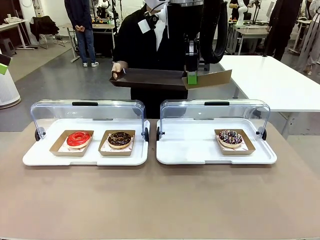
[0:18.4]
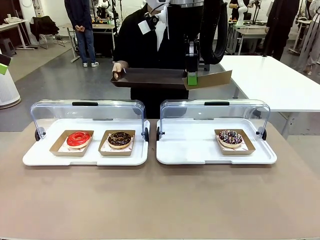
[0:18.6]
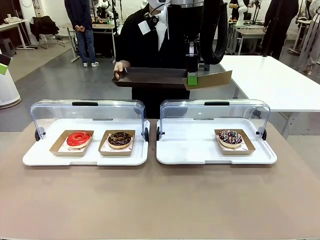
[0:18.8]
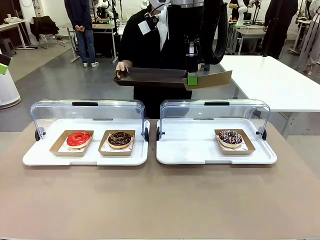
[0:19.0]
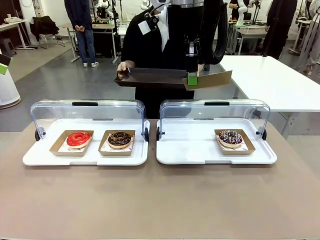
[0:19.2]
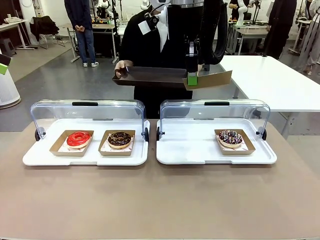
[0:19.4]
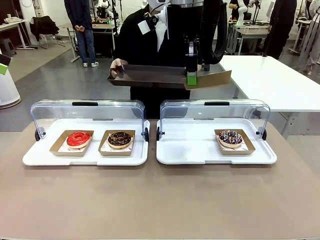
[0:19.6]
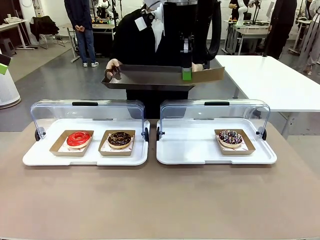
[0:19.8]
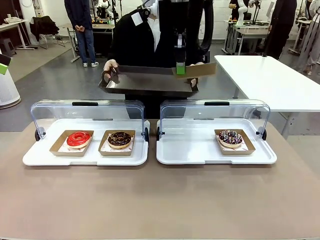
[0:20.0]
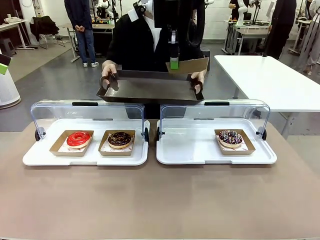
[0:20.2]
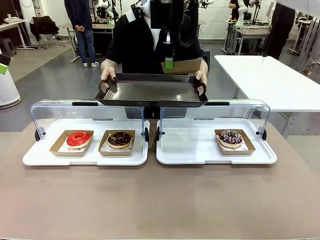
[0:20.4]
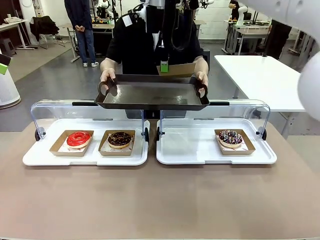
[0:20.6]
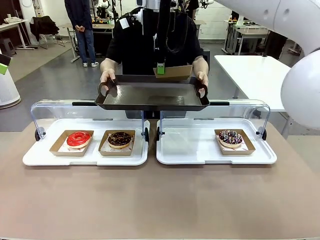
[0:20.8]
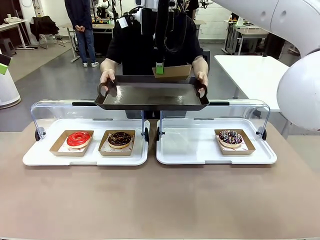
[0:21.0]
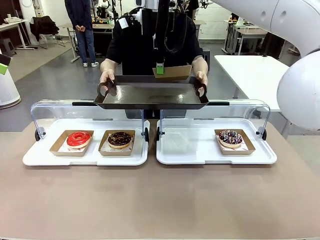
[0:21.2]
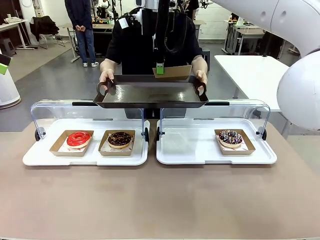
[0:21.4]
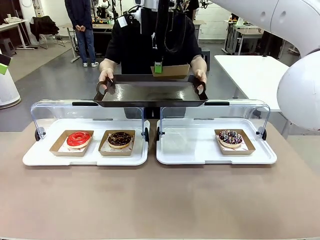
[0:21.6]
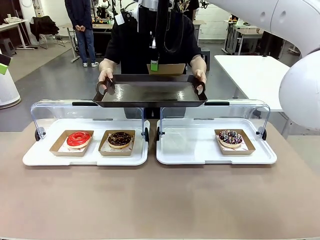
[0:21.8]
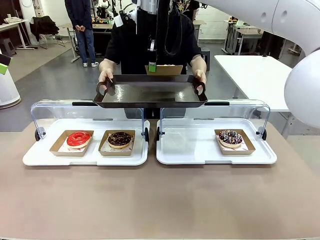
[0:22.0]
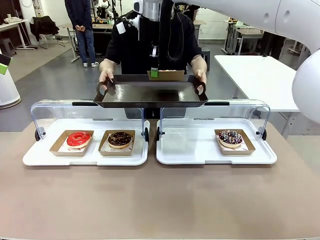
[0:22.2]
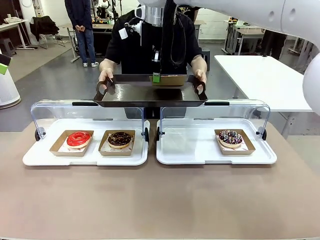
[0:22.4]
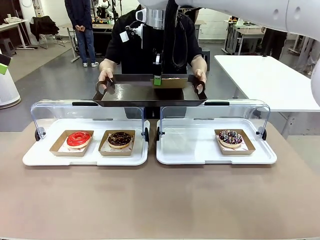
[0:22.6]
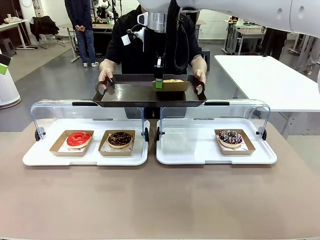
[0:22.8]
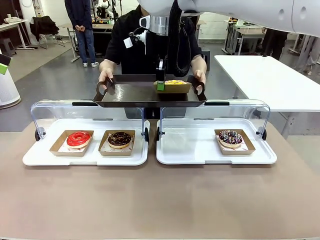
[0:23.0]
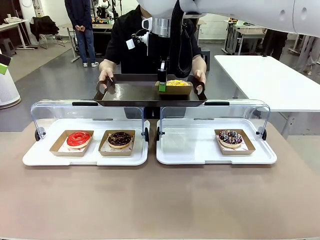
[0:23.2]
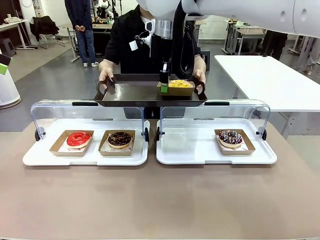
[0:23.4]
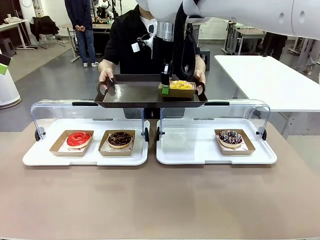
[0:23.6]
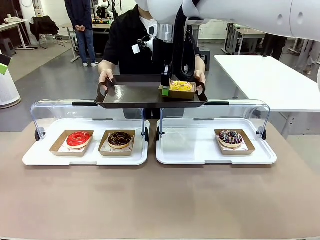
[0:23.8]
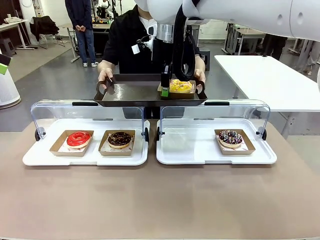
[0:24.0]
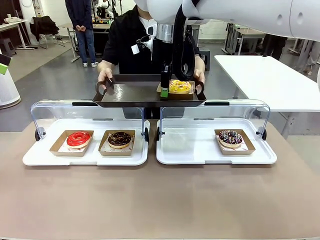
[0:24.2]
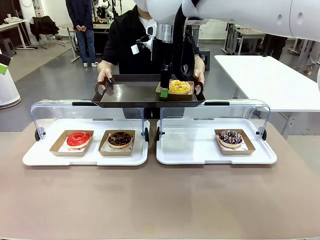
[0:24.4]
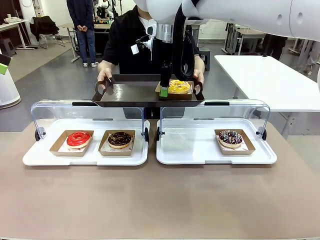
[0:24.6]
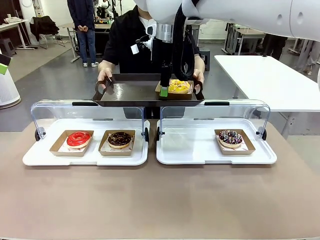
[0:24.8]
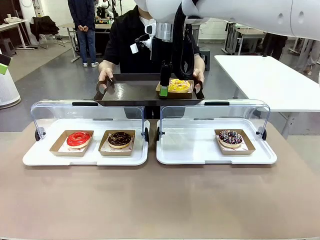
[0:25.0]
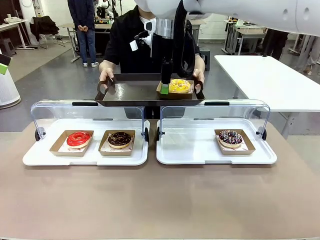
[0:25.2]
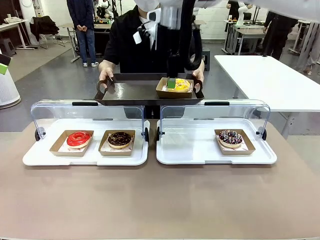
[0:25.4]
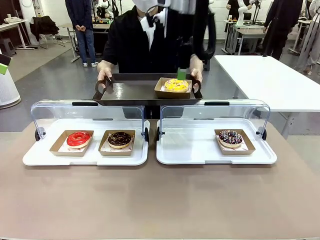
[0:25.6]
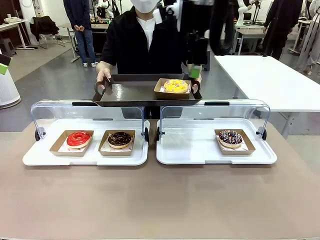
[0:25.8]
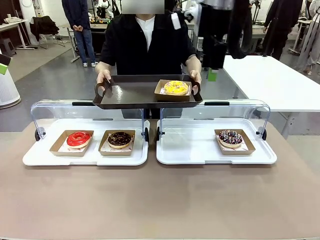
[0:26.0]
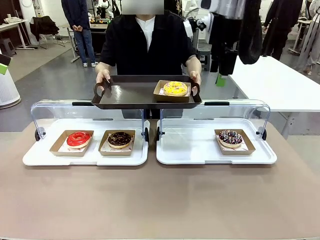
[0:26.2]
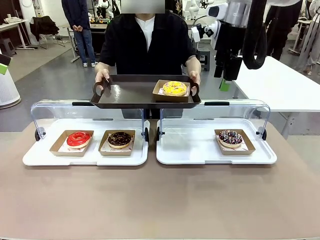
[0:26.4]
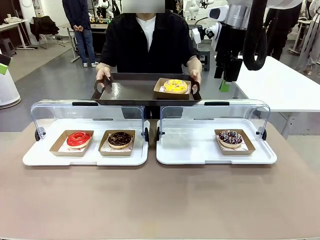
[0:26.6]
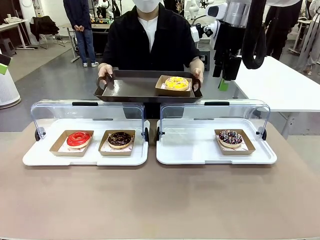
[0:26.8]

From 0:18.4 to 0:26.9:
Task: Provide the desired donut to the person.
Robot: Place the picked Paper togo box onto the Handle tray extended by the person.

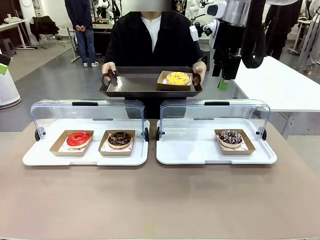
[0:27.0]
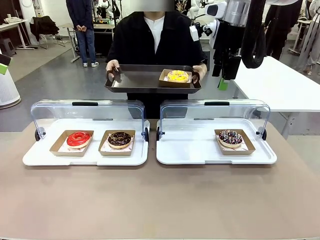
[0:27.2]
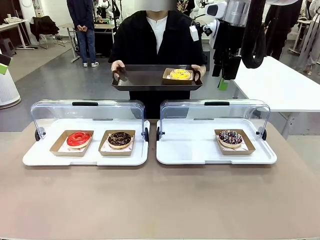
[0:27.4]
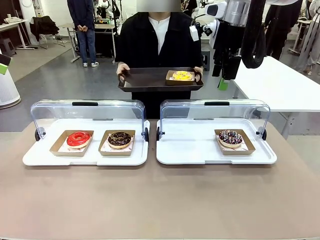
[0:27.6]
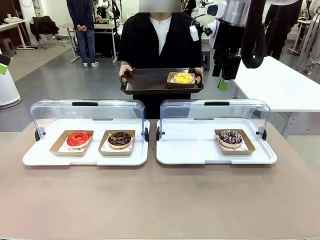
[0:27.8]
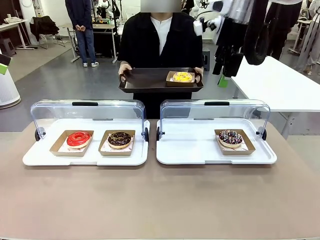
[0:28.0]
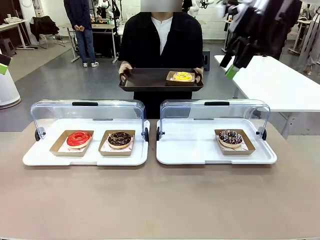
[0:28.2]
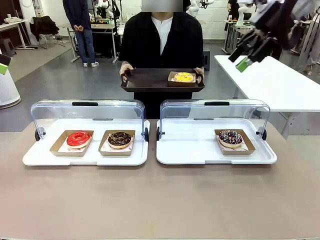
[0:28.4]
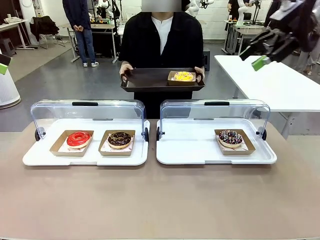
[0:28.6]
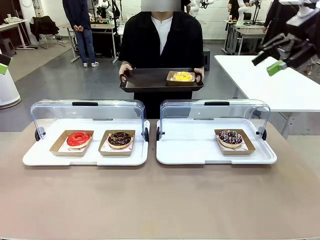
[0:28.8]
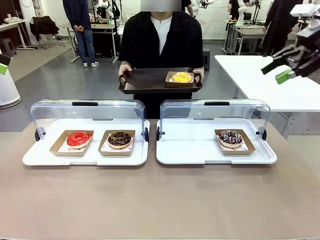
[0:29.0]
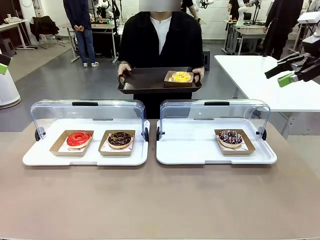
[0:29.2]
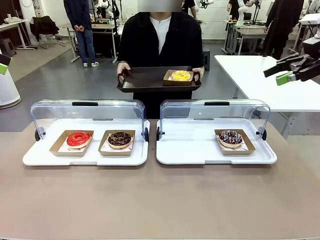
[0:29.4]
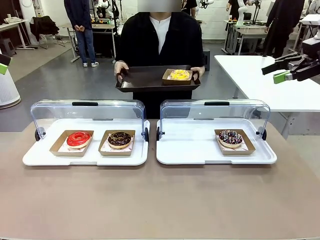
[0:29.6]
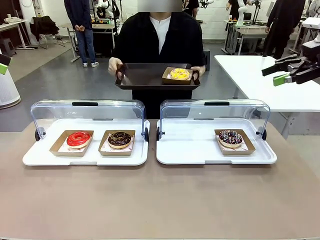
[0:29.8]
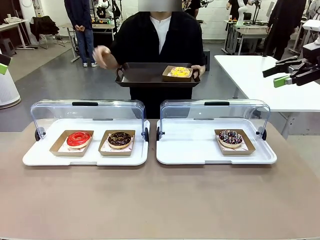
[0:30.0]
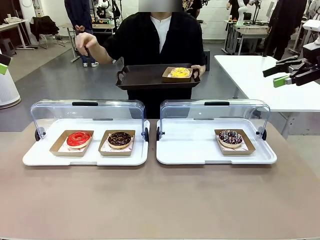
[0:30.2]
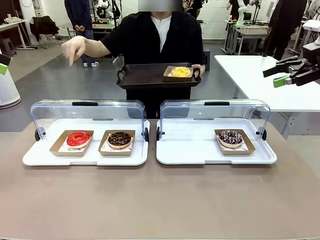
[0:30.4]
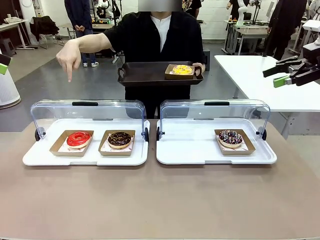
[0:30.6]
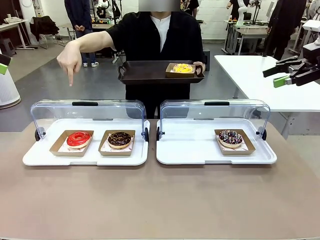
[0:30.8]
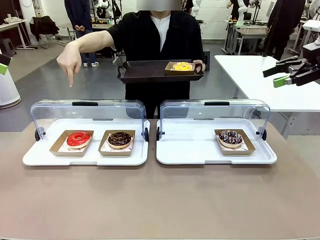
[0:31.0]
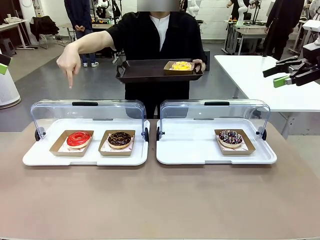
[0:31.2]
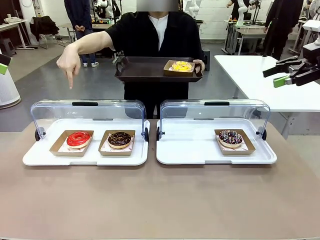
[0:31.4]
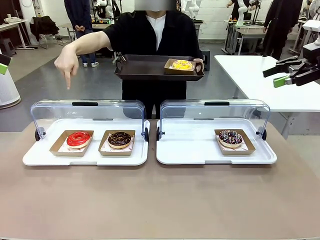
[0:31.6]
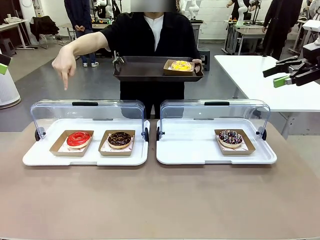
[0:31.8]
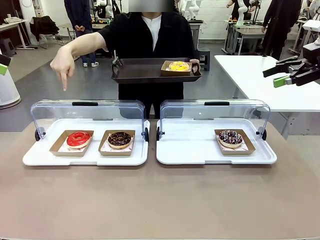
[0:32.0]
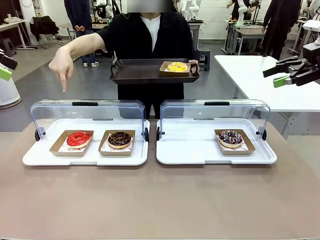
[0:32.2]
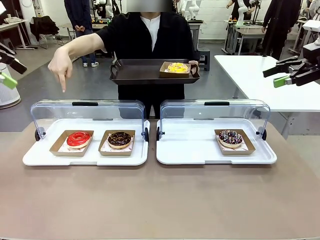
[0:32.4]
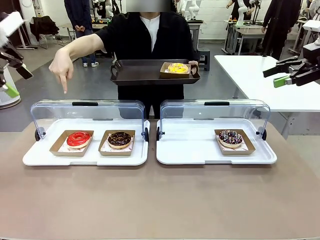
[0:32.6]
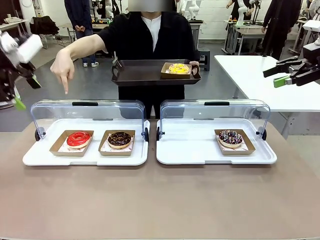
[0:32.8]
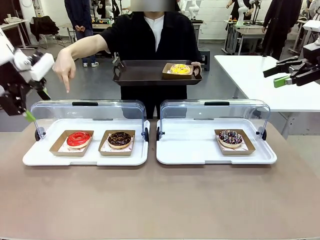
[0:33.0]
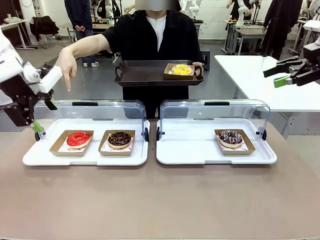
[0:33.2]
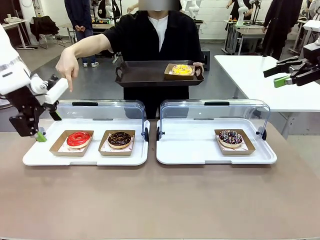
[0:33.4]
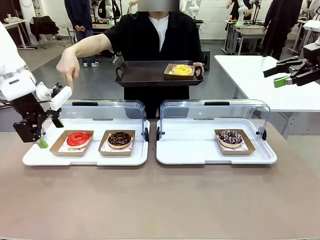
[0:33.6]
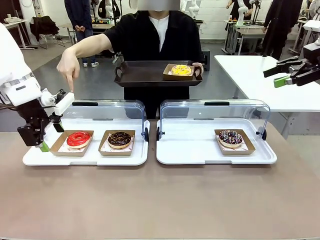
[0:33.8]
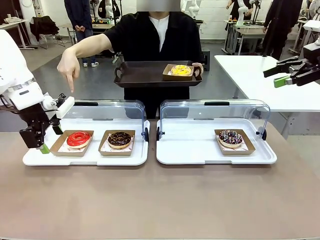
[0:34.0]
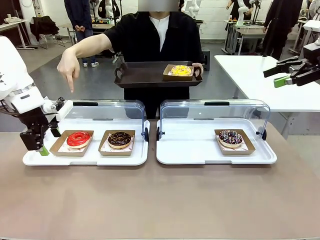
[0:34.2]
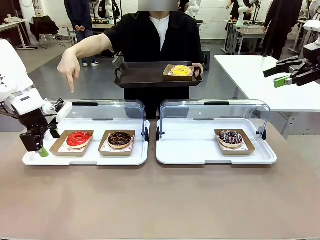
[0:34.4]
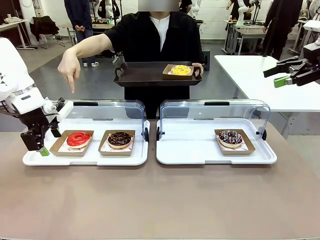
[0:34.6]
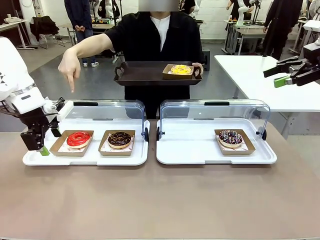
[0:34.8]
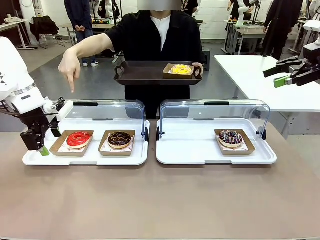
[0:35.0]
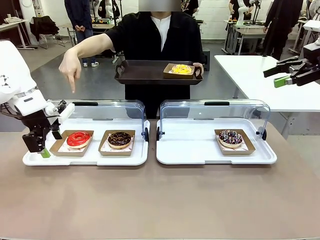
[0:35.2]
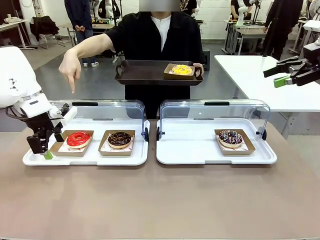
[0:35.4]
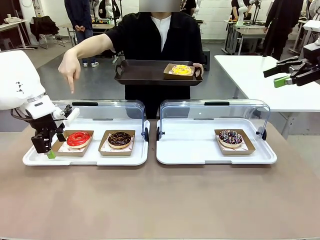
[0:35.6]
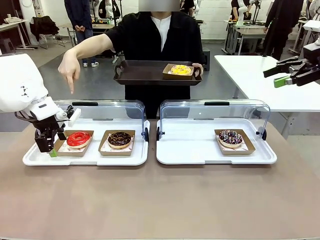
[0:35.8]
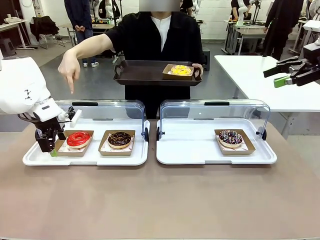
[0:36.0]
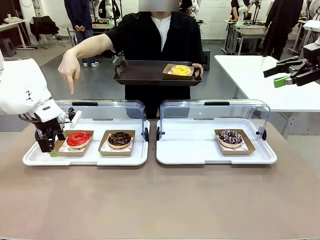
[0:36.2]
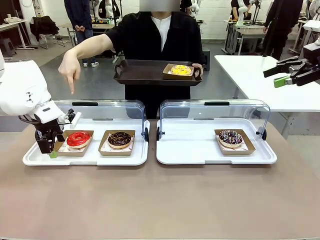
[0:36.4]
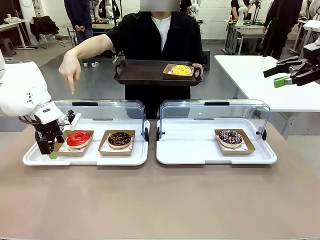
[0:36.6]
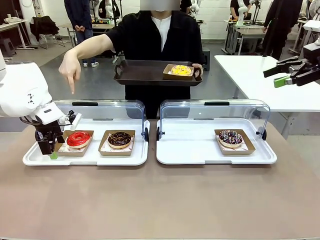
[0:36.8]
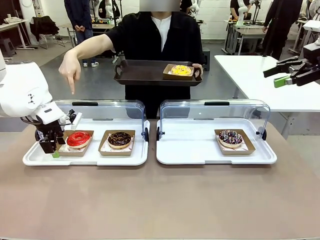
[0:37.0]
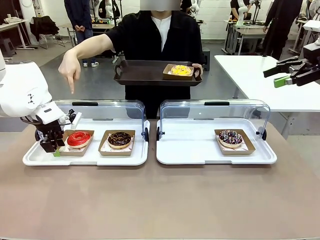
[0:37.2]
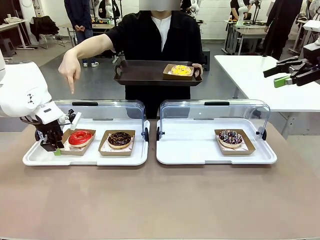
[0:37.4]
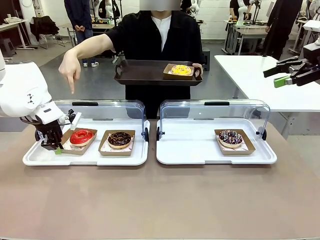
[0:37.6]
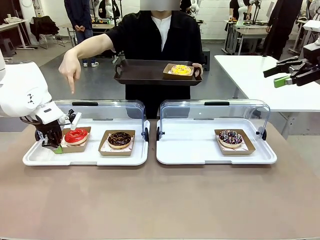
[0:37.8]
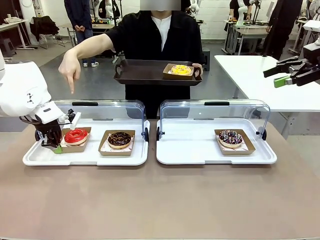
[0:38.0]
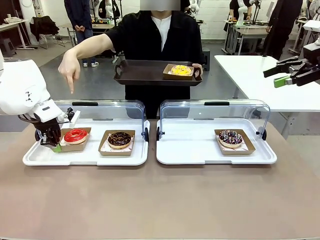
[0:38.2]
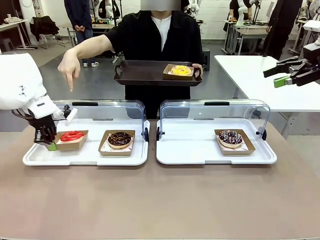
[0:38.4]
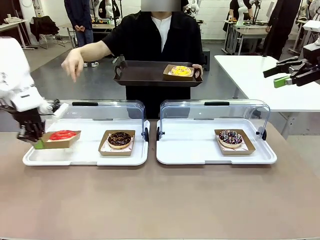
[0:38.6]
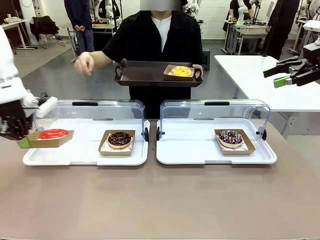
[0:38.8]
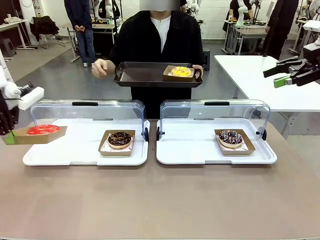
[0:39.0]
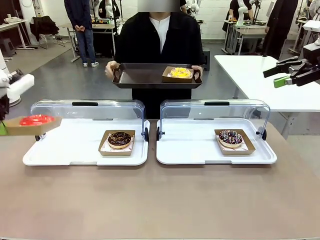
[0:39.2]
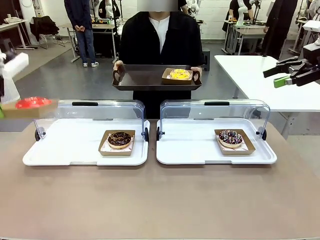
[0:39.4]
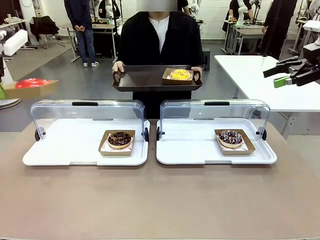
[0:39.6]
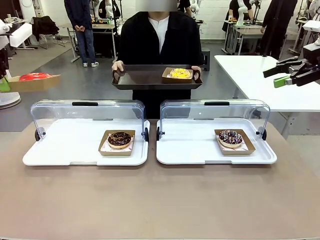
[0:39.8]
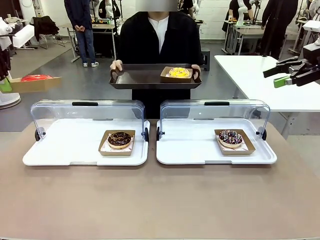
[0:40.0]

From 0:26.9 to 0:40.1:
Robot: Pick up and lift the Paper togo box containing the Donut pointed at by the person.
Person: Point to one donut. Lift the tray onto the Roll-Top Bakery Case.
